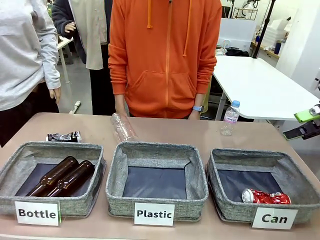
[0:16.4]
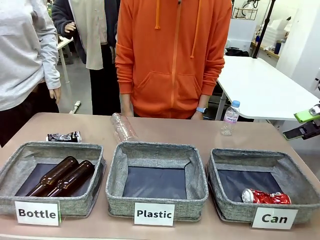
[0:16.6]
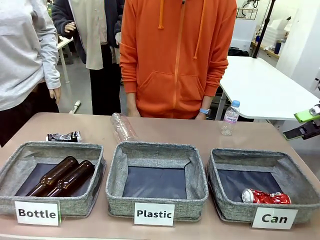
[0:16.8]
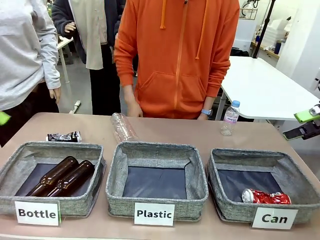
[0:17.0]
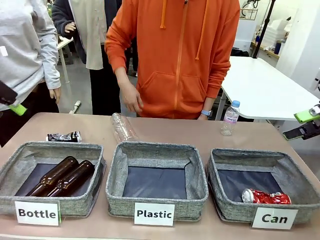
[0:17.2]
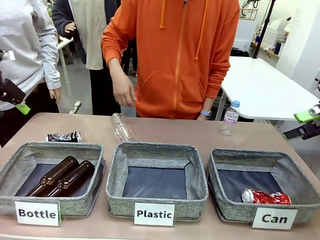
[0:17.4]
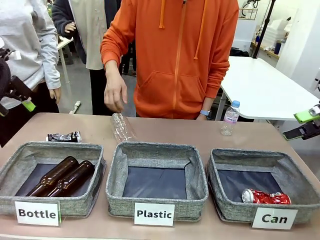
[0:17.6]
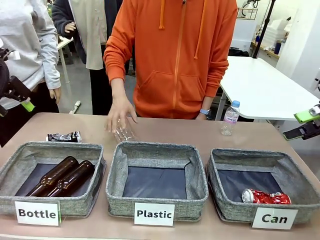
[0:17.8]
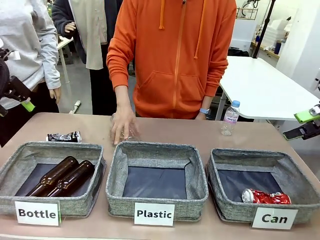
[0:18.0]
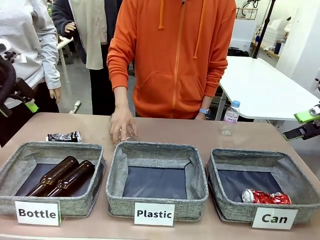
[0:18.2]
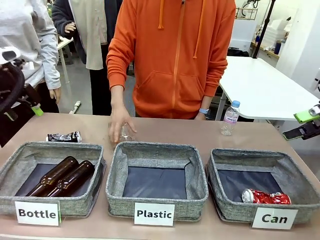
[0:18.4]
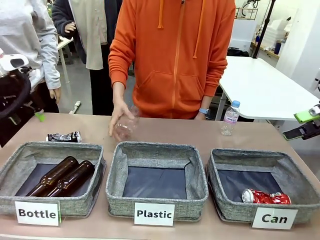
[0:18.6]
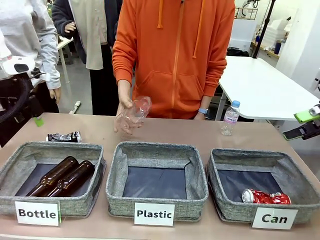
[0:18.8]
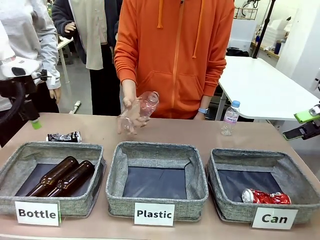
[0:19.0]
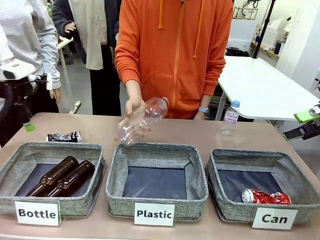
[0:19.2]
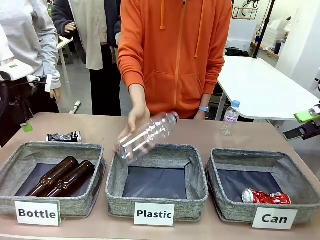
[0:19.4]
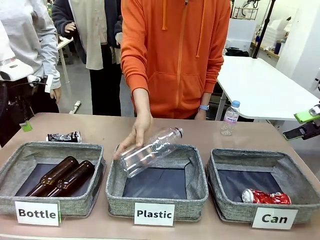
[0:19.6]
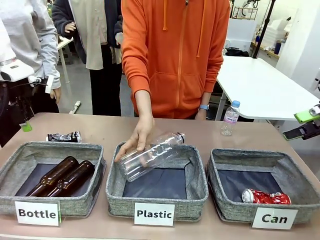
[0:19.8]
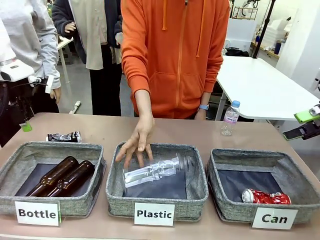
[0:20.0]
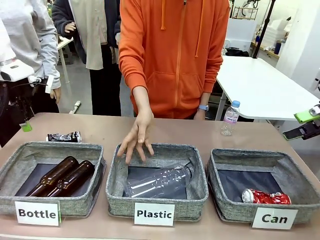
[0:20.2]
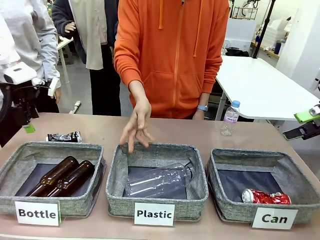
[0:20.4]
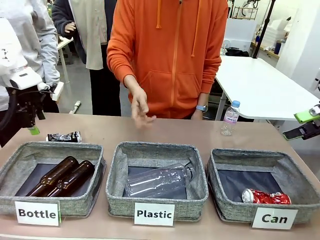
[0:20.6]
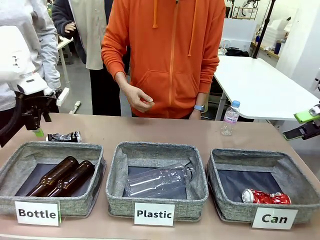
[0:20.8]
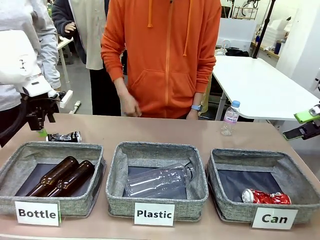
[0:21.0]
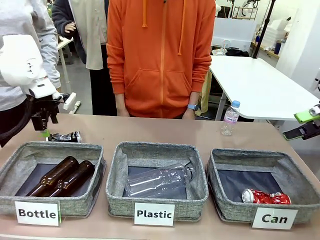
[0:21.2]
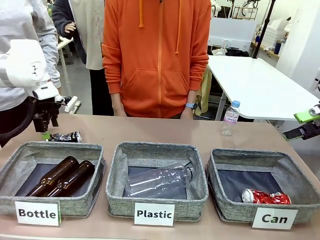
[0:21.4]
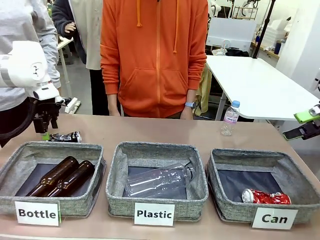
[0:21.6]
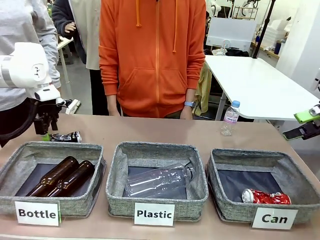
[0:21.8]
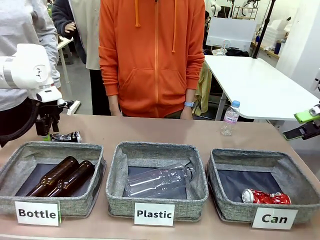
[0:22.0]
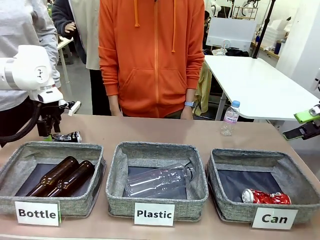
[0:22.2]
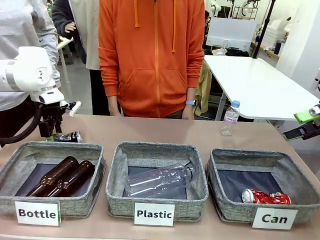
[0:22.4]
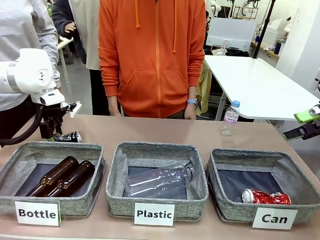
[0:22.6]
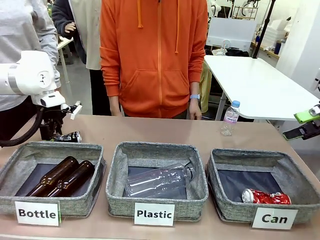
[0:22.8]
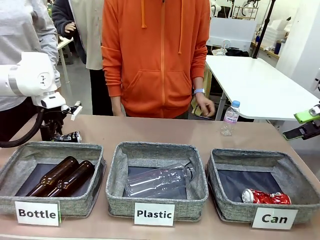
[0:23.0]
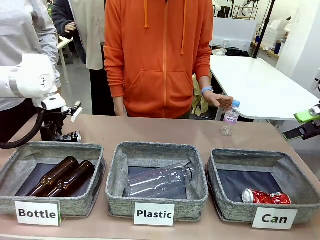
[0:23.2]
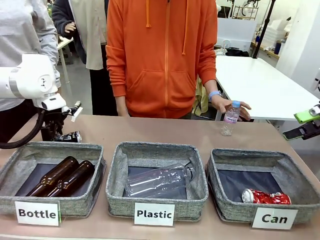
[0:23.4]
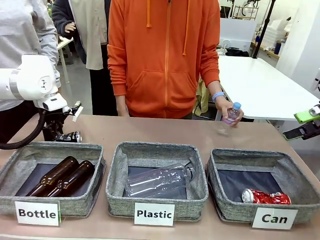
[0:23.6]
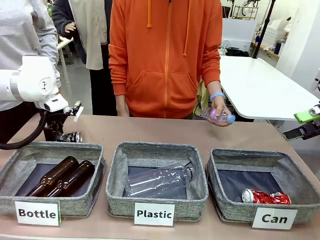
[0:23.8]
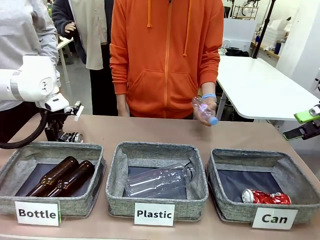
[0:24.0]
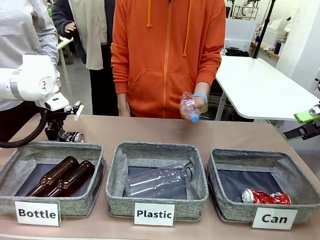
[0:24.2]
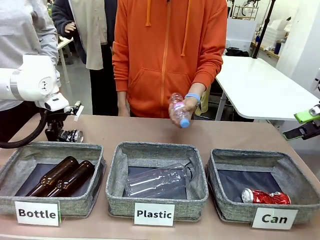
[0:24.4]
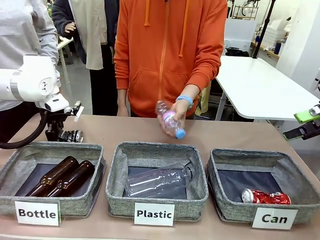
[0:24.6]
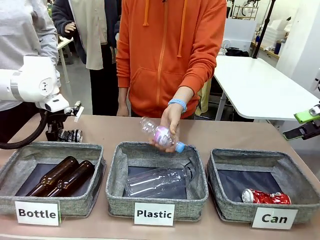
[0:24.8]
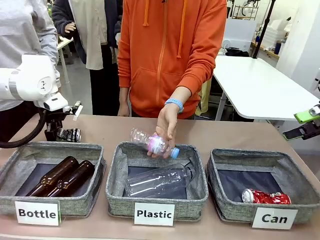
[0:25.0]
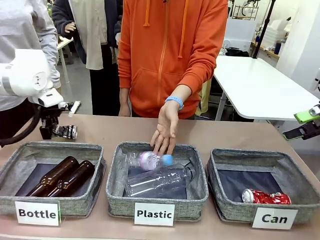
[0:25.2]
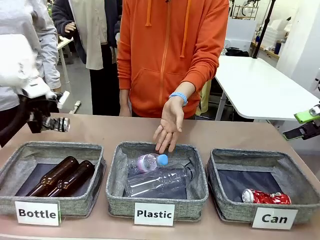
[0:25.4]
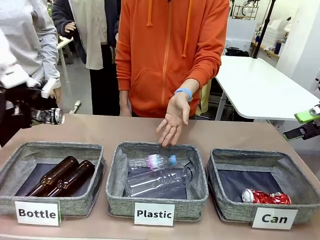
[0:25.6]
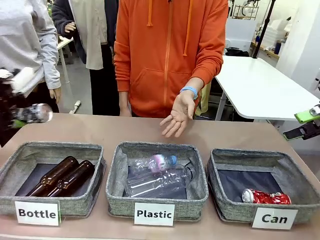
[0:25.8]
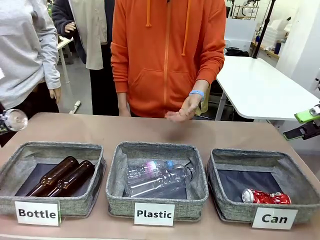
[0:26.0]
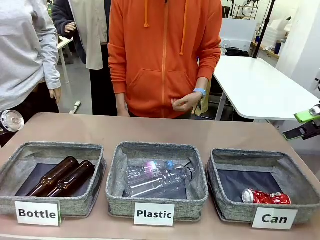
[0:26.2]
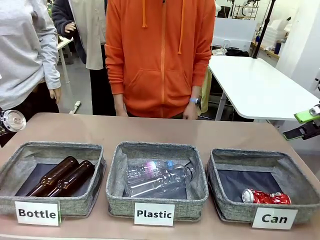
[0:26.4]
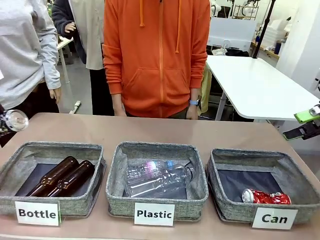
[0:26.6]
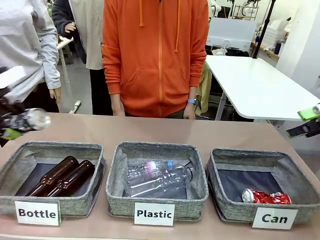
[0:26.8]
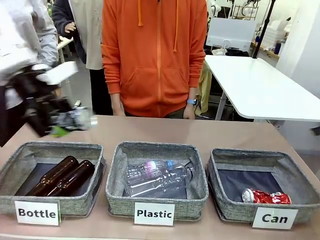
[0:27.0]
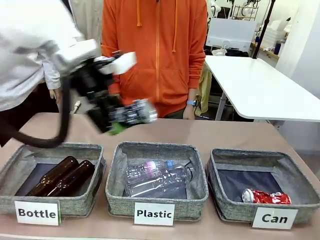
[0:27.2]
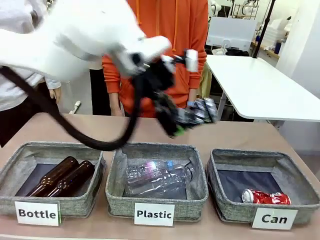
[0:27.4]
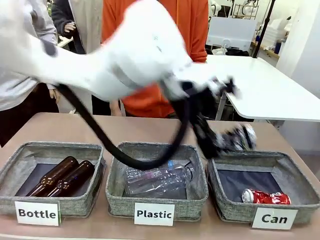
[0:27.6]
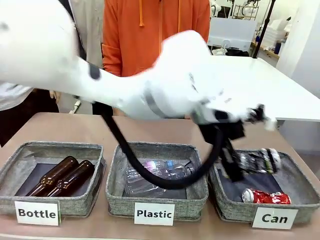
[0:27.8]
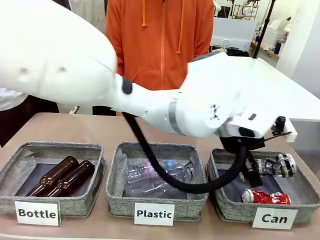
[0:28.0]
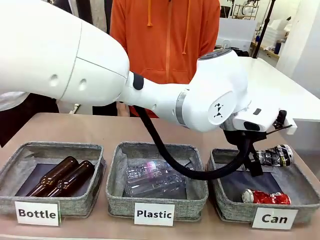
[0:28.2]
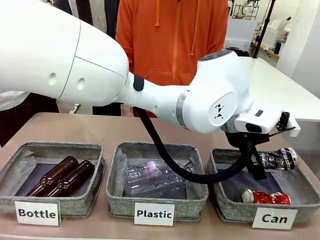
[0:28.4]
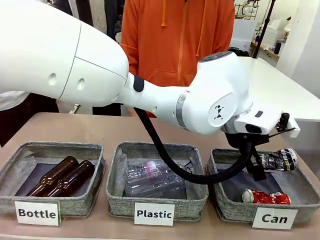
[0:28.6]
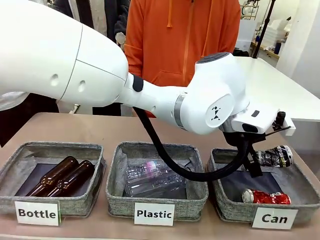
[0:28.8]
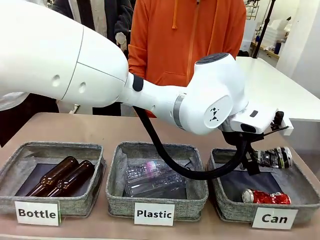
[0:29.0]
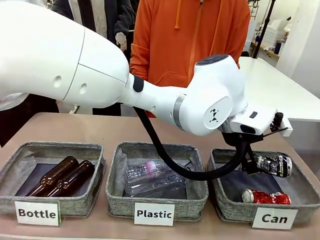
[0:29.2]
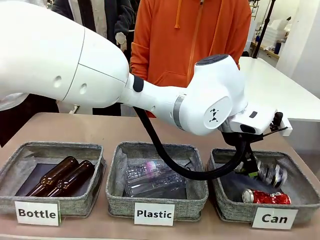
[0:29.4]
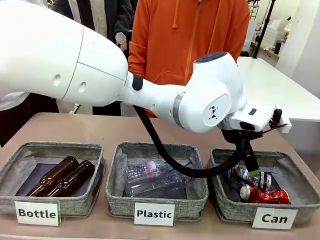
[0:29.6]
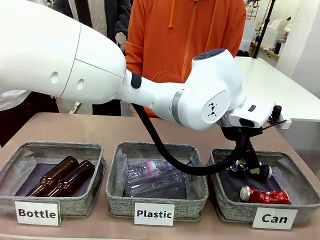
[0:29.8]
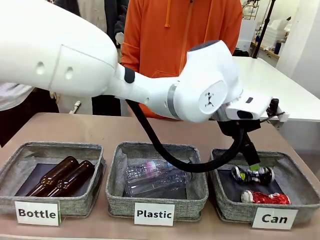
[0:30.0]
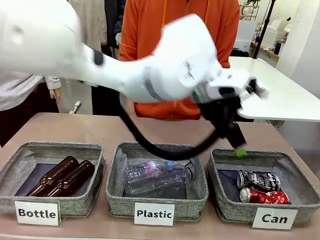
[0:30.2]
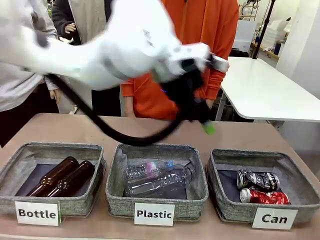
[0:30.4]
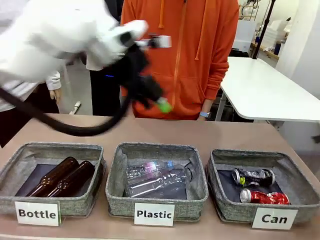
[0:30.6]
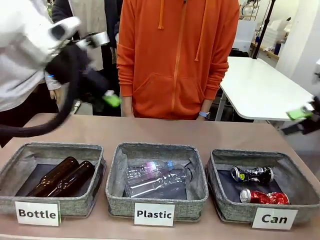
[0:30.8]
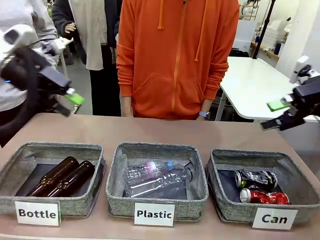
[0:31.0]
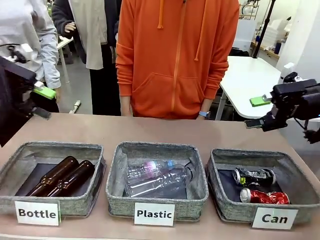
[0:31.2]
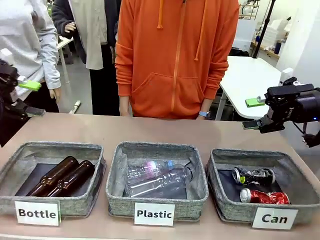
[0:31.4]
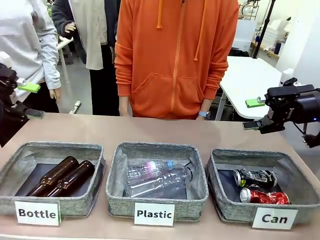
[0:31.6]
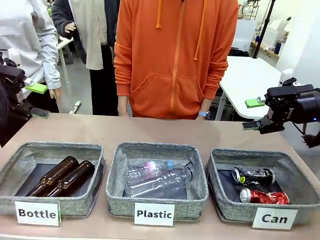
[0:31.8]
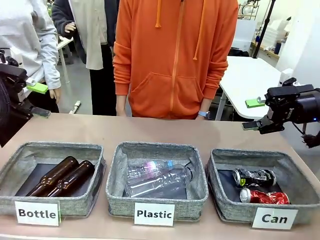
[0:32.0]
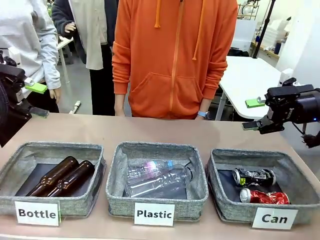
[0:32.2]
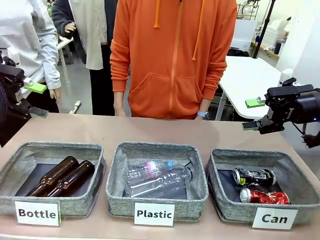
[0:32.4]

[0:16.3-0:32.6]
Task: Sort the can waste into the basket.
Robot: Pick up the can waste from the table and place it in the right Fabric basket.
